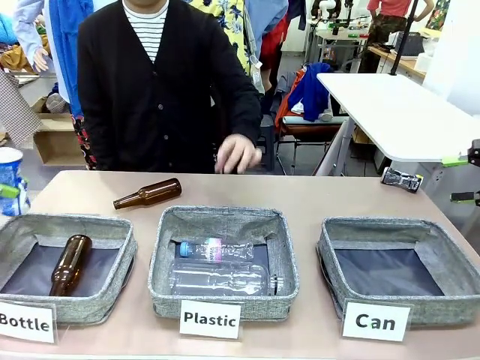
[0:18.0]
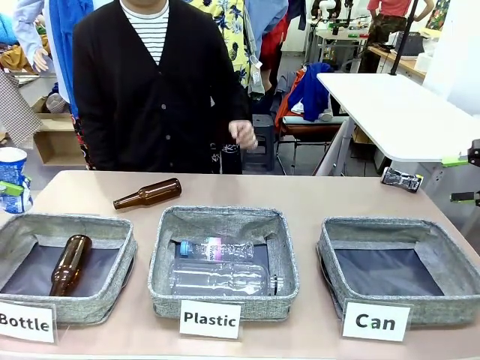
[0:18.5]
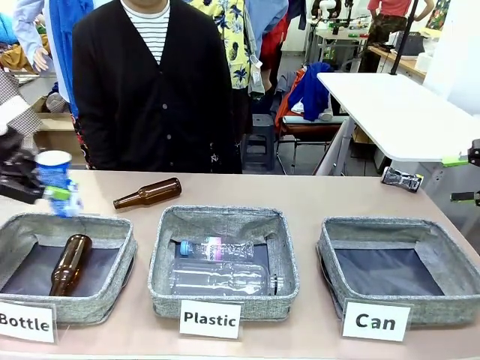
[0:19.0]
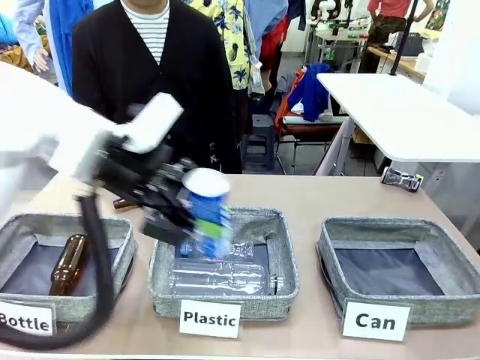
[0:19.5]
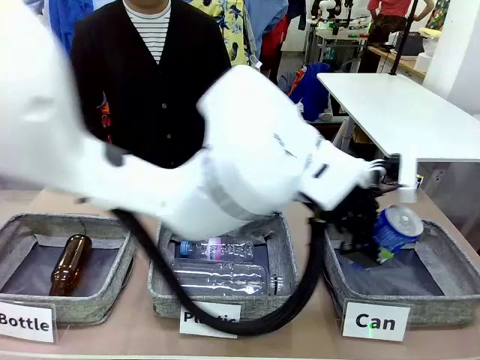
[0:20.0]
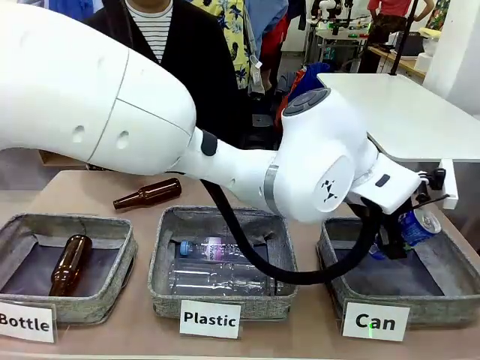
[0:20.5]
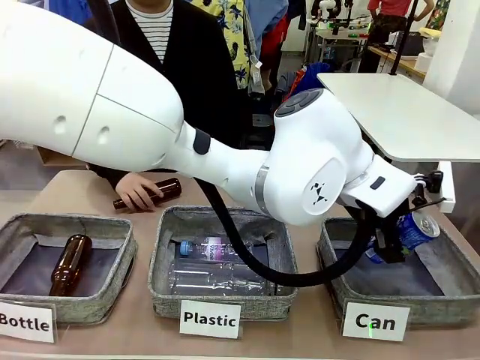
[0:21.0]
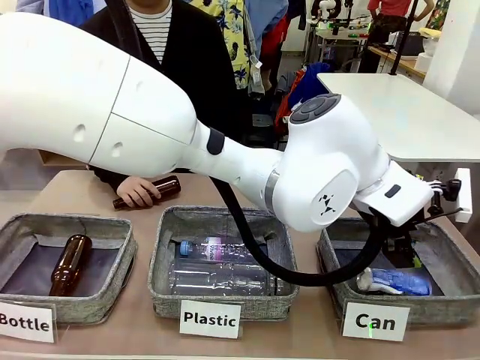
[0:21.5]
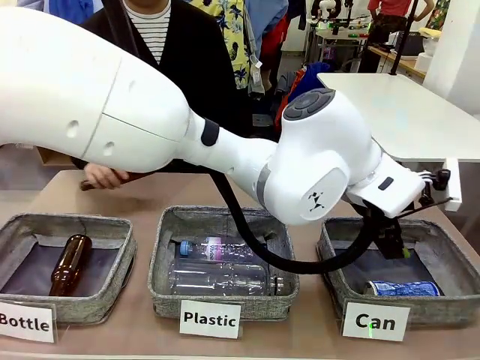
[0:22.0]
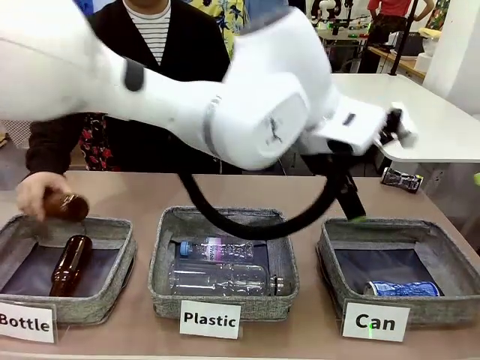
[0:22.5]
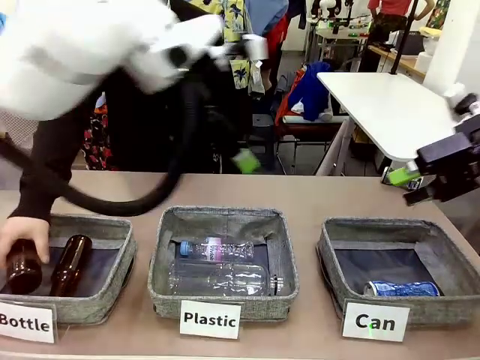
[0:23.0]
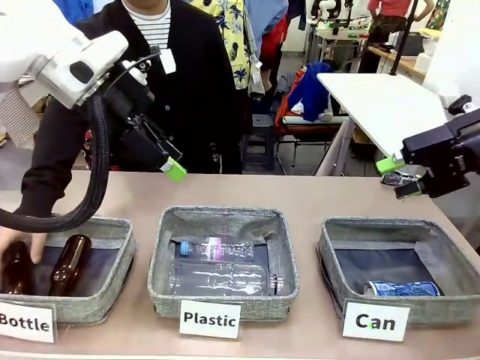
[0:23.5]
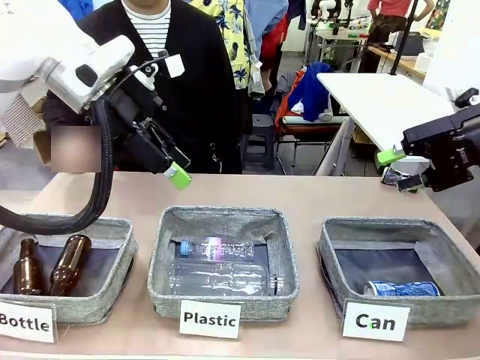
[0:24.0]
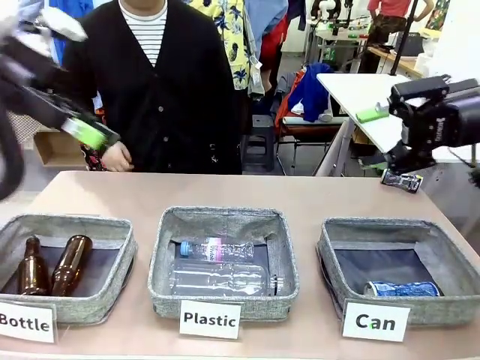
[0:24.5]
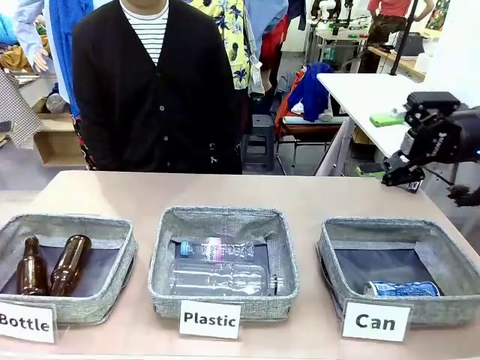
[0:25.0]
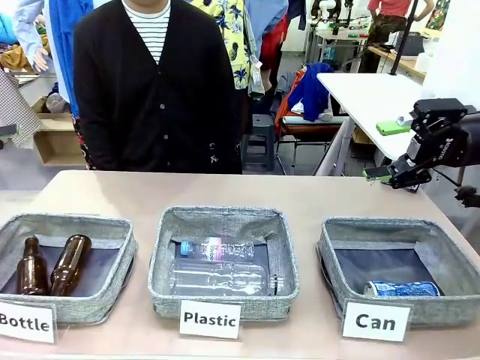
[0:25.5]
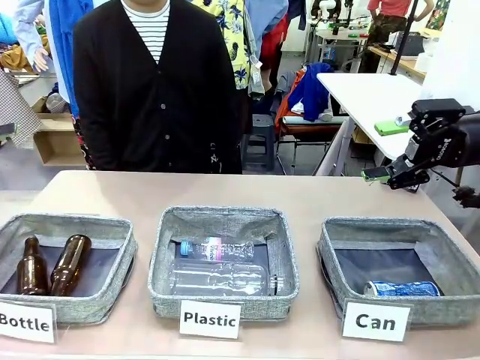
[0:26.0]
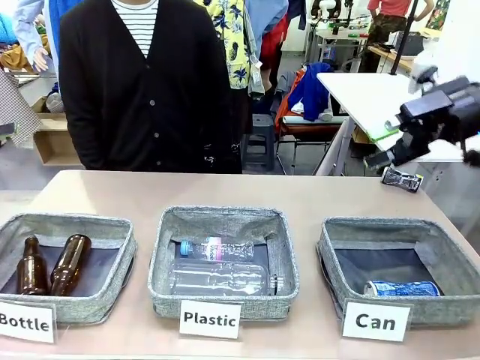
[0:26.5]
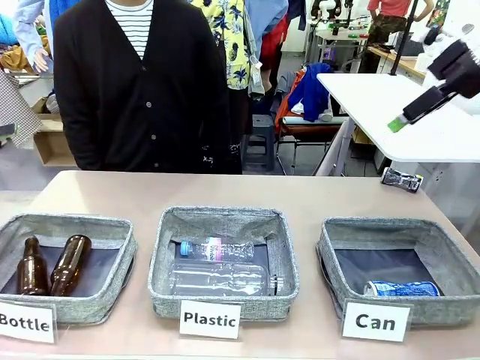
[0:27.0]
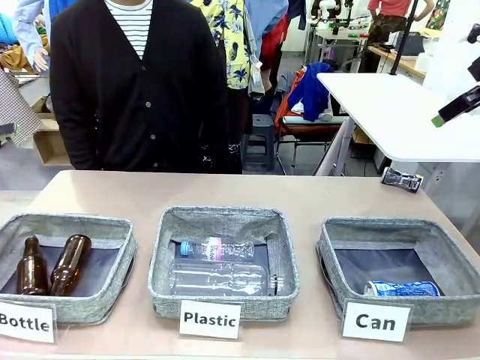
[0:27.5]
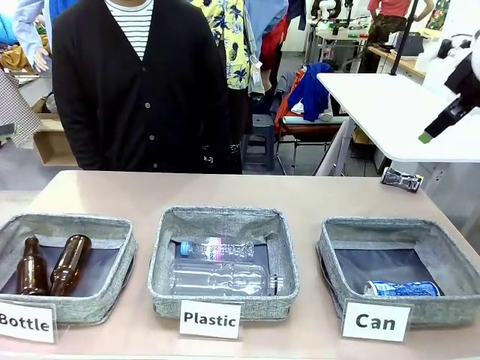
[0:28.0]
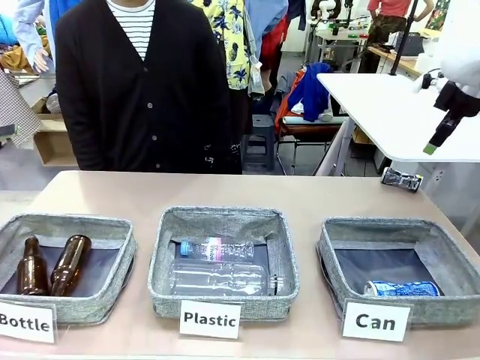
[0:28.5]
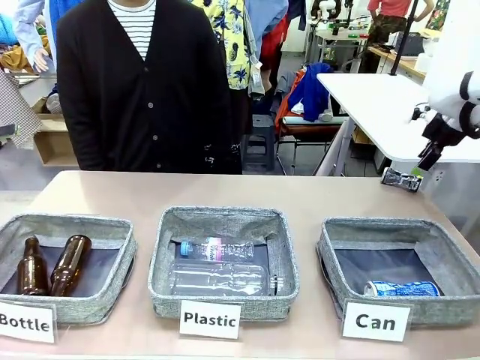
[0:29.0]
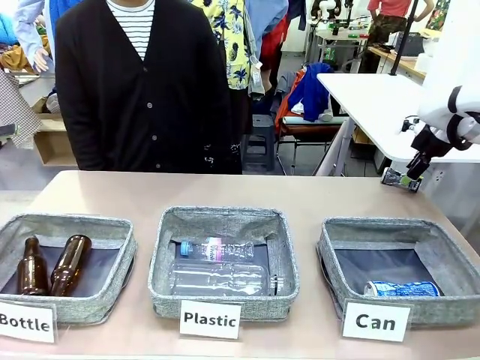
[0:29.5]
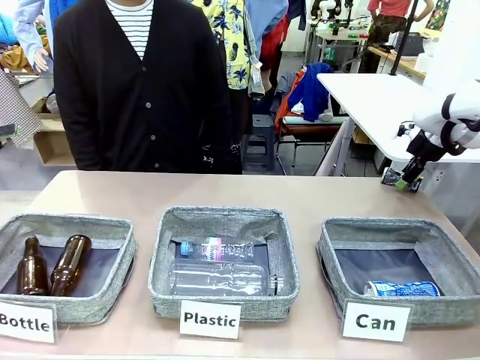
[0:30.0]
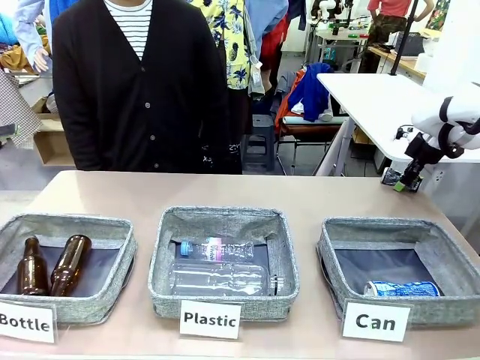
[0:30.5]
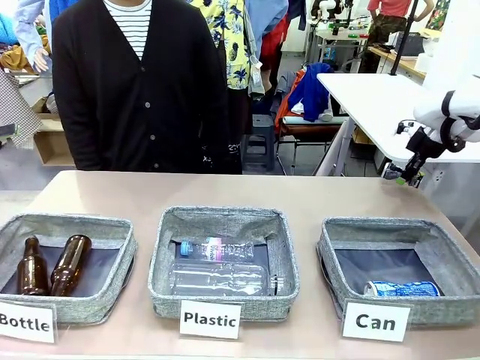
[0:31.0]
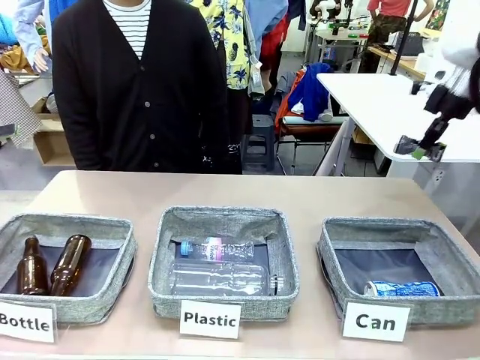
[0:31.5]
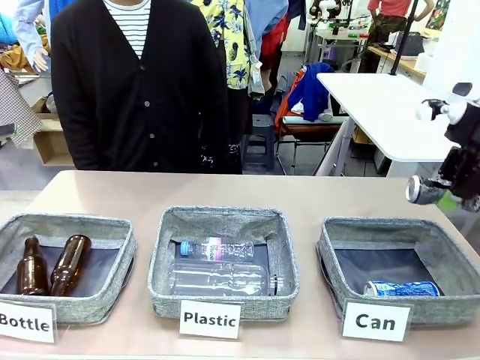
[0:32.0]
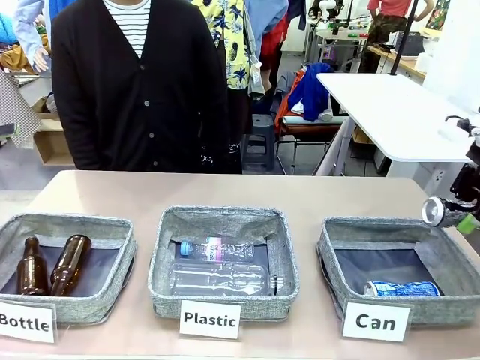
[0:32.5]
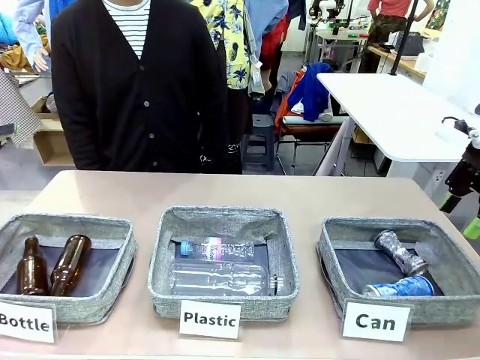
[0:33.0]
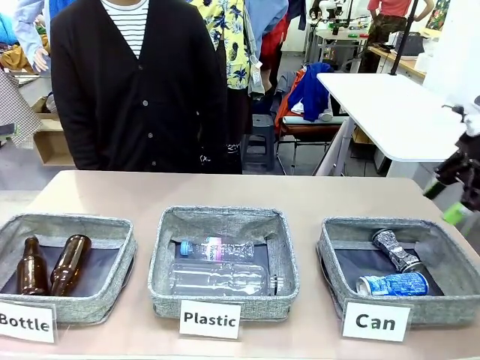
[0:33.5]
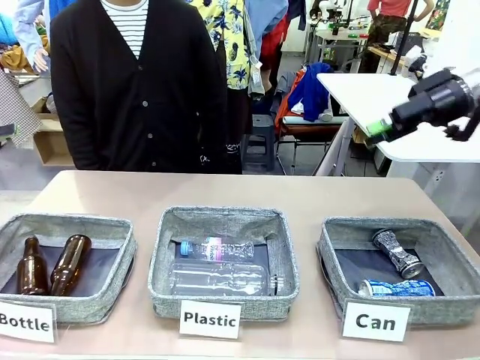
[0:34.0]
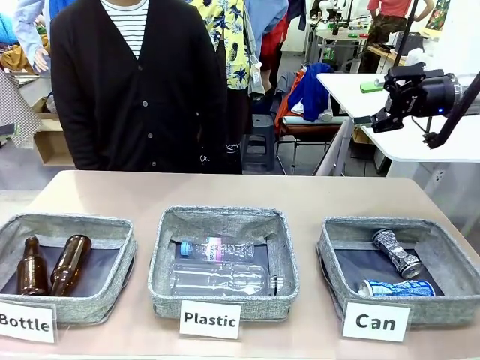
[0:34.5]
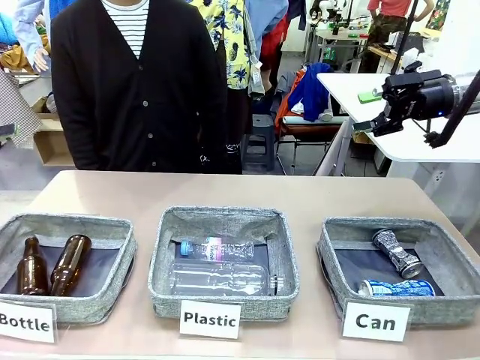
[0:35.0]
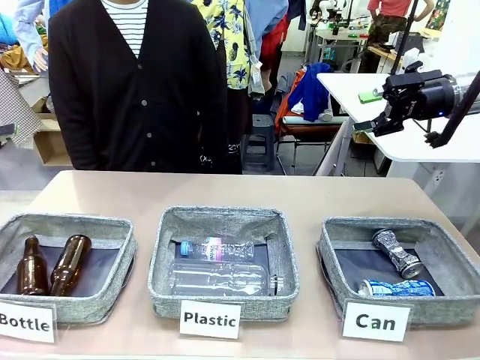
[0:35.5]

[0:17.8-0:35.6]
Task: Sort the can waste into the basket.
Robot: Pick up the can waste from the table and place it in the right Fabric basket.

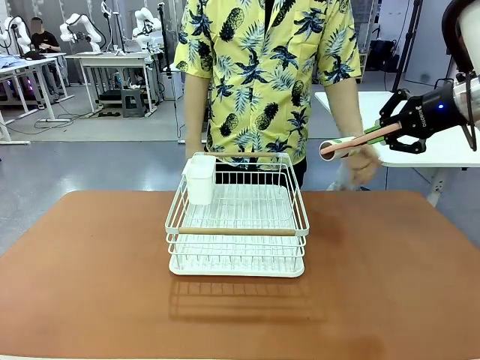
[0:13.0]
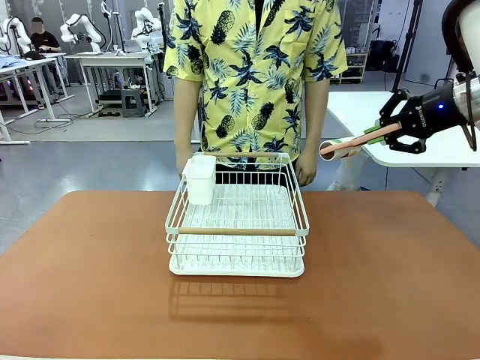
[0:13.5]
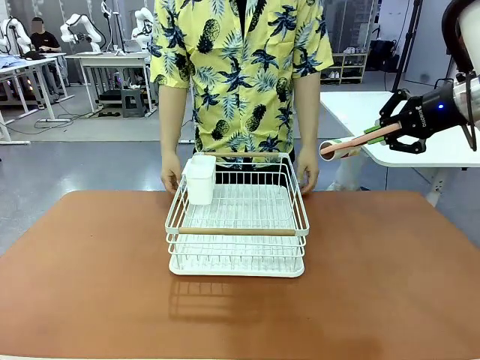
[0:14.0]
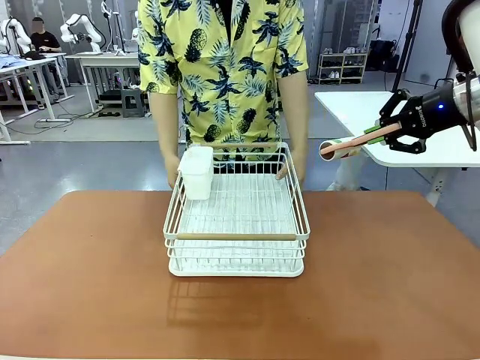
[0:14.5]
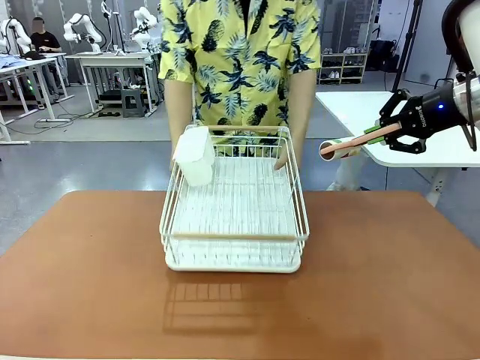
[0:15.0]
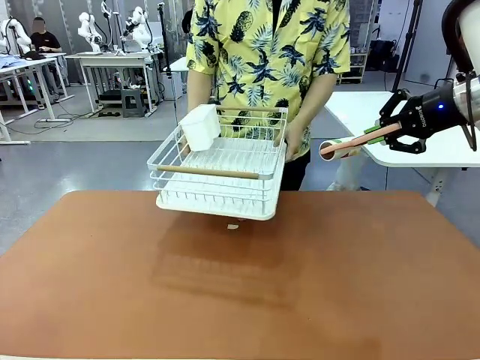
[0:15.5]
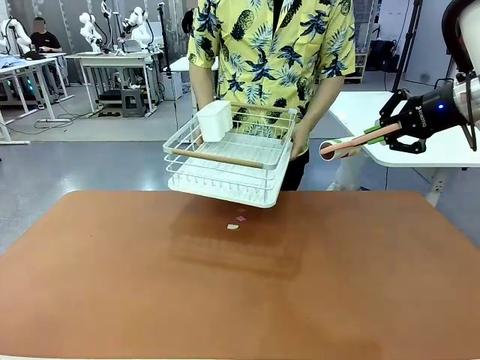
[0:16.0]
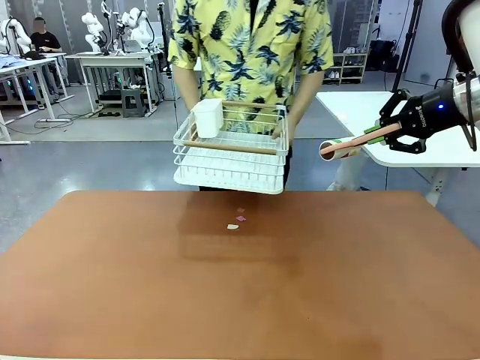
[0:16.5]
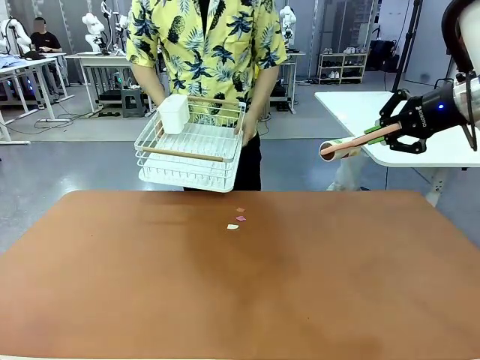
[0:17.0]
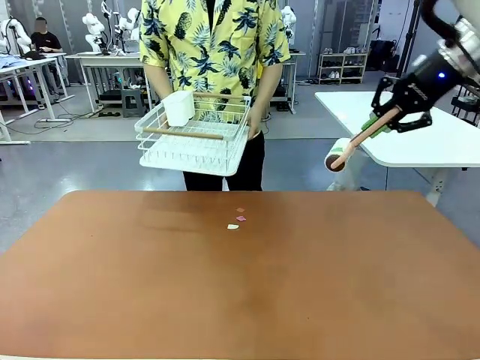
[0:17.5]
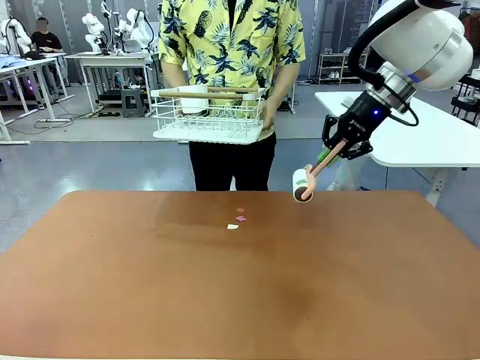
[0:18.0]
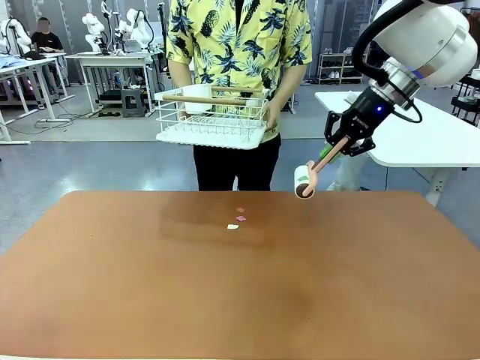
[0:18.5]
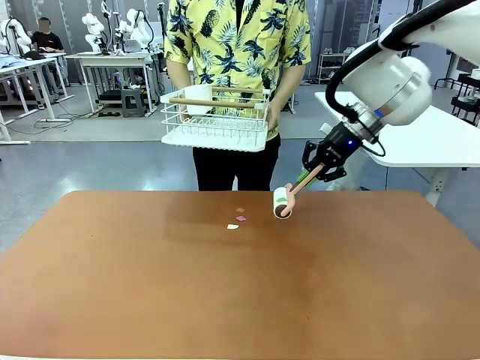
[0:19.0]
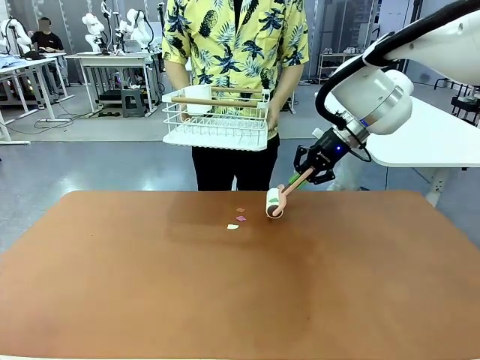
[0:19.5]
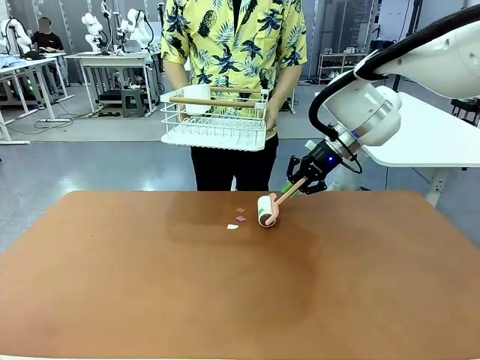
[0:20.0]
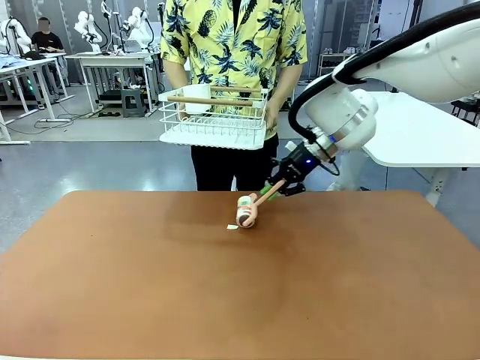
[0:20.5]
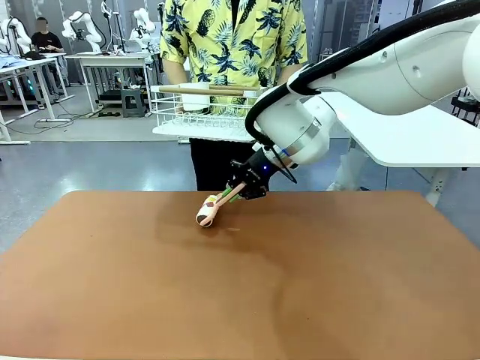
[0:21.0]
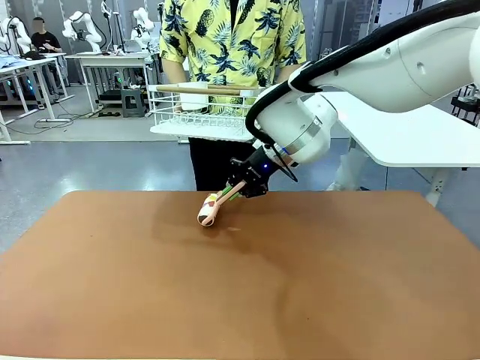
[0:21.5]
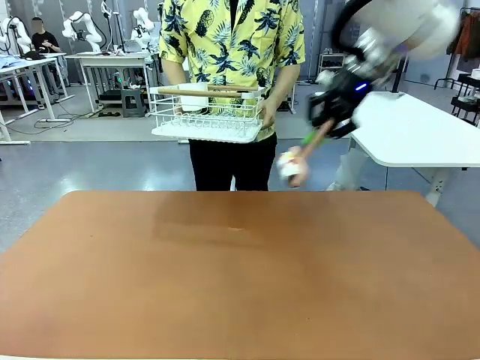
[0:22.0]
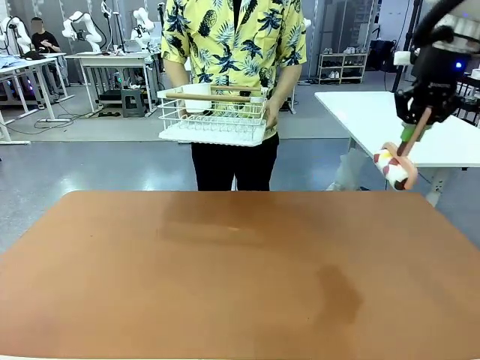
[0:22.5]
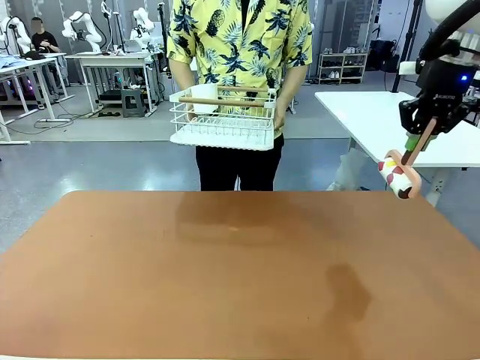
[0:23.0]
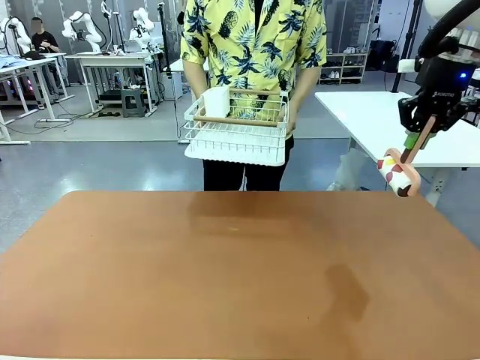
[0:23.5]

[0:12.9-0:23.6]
Task: Clean the table.
Robot: Clean the table with the Lint Roller when the human lifts the Dish drying rack.
